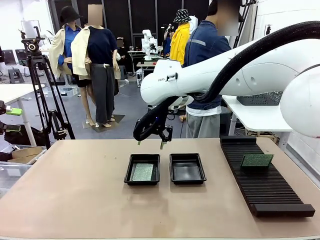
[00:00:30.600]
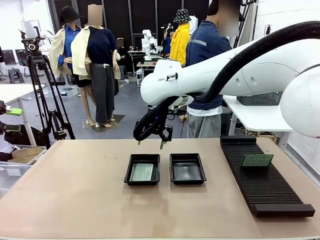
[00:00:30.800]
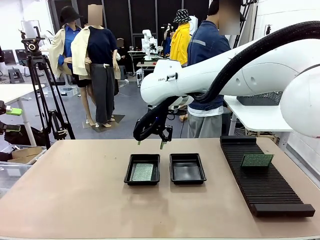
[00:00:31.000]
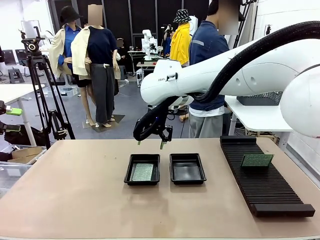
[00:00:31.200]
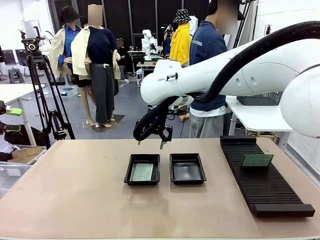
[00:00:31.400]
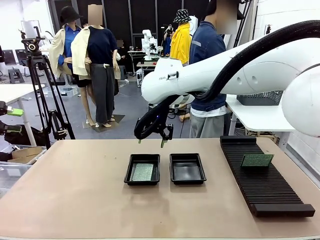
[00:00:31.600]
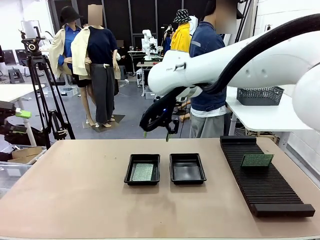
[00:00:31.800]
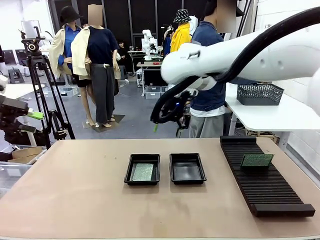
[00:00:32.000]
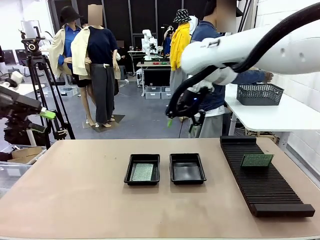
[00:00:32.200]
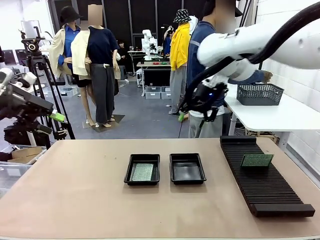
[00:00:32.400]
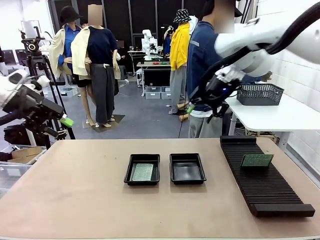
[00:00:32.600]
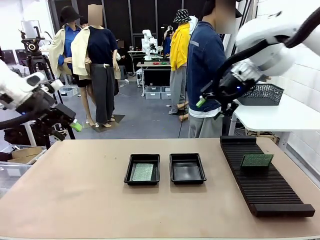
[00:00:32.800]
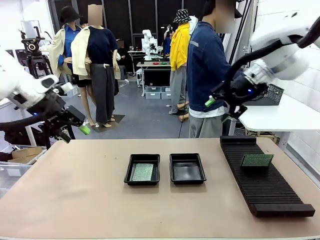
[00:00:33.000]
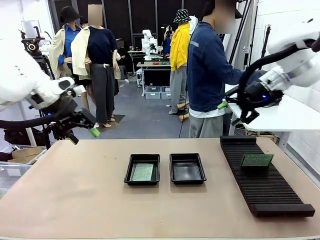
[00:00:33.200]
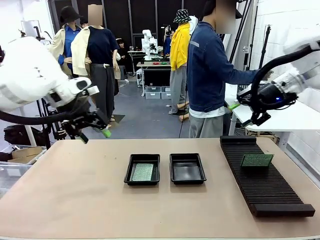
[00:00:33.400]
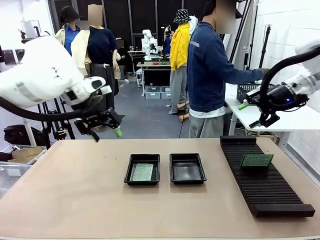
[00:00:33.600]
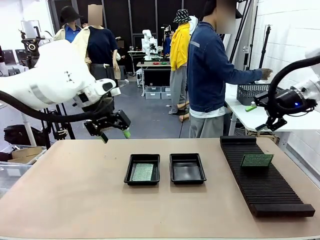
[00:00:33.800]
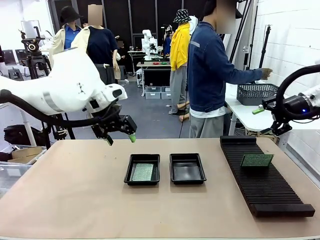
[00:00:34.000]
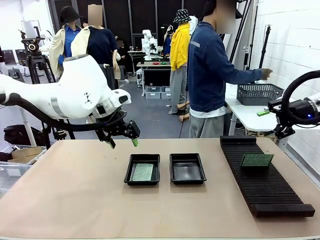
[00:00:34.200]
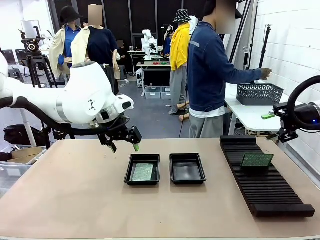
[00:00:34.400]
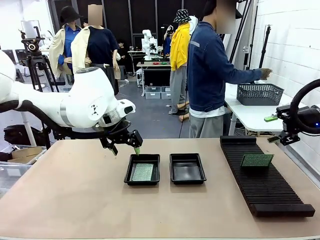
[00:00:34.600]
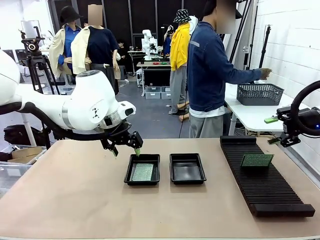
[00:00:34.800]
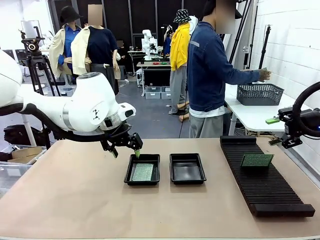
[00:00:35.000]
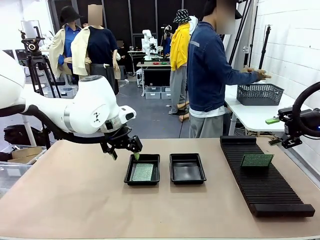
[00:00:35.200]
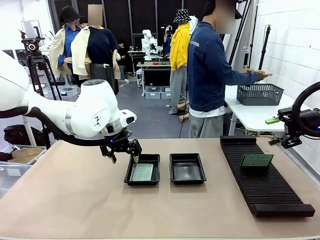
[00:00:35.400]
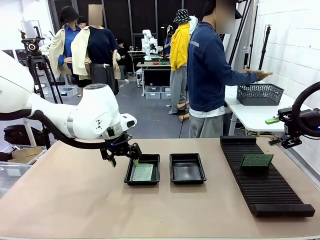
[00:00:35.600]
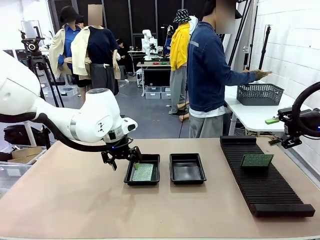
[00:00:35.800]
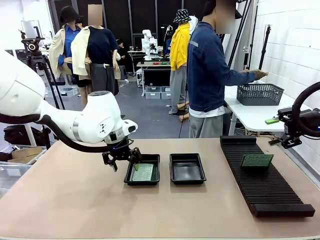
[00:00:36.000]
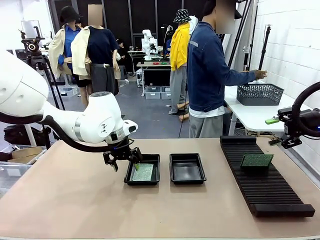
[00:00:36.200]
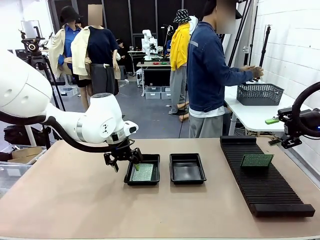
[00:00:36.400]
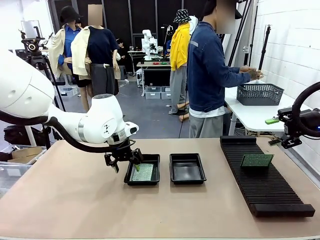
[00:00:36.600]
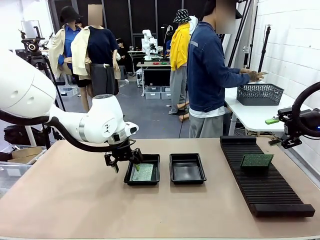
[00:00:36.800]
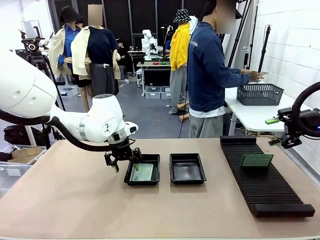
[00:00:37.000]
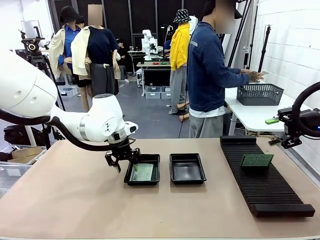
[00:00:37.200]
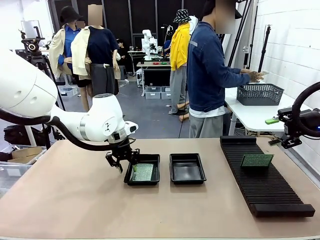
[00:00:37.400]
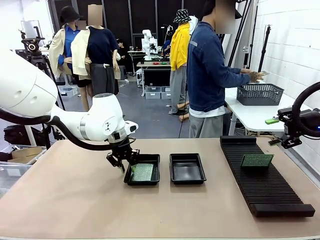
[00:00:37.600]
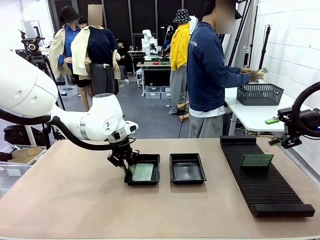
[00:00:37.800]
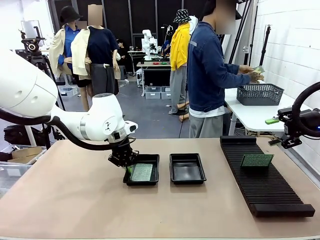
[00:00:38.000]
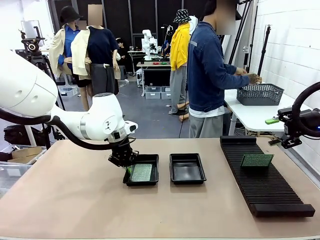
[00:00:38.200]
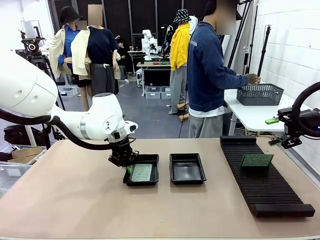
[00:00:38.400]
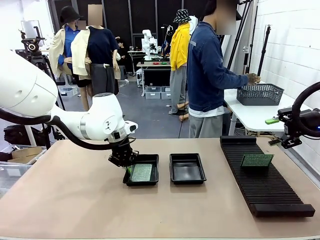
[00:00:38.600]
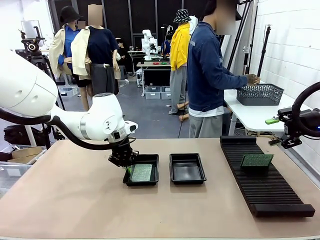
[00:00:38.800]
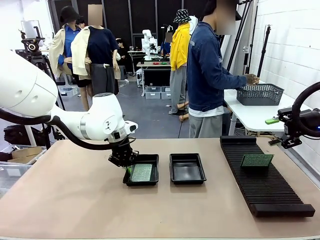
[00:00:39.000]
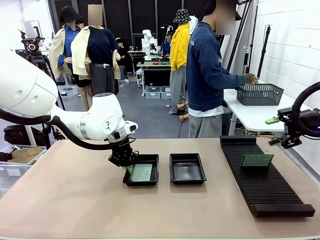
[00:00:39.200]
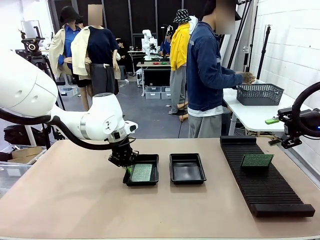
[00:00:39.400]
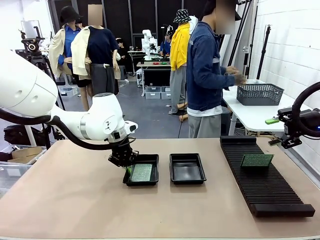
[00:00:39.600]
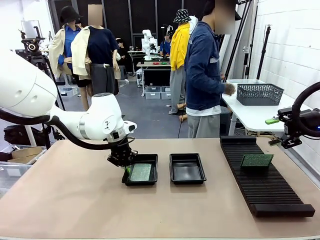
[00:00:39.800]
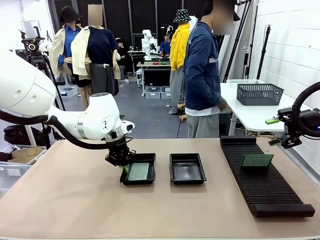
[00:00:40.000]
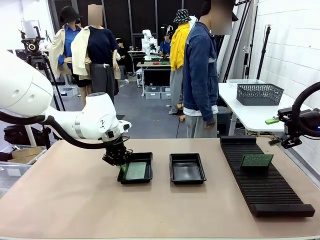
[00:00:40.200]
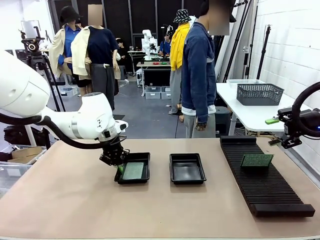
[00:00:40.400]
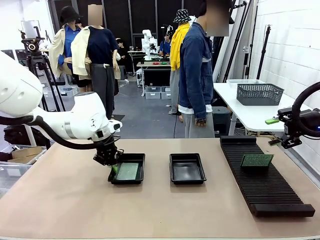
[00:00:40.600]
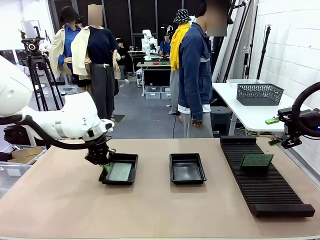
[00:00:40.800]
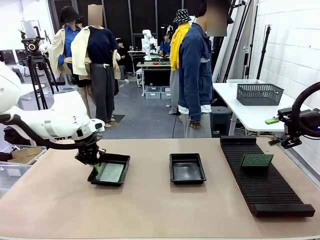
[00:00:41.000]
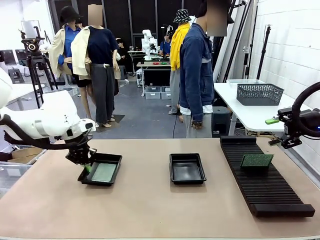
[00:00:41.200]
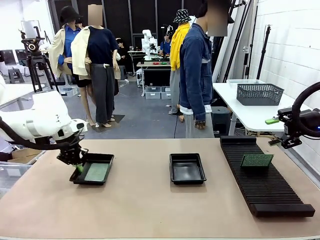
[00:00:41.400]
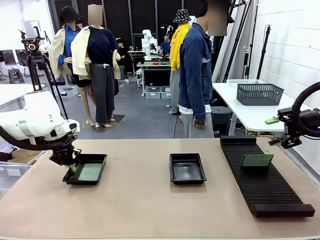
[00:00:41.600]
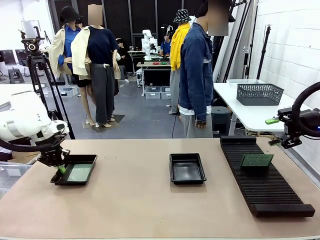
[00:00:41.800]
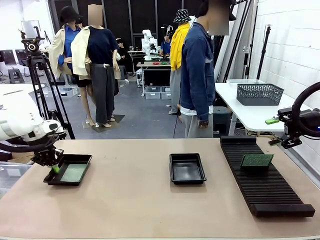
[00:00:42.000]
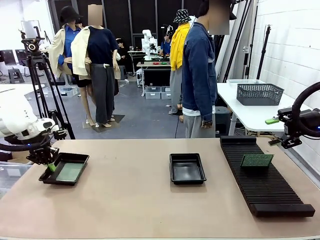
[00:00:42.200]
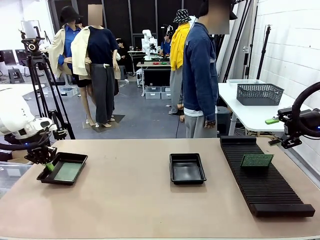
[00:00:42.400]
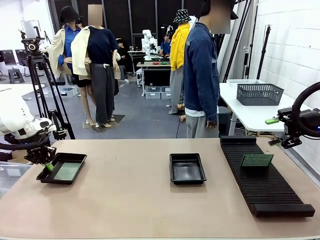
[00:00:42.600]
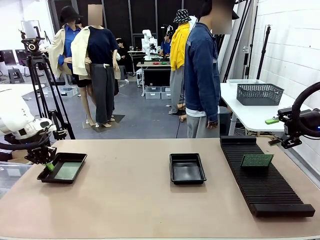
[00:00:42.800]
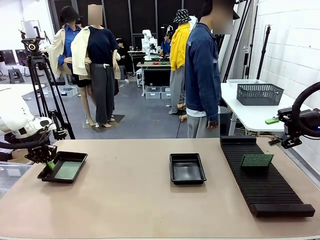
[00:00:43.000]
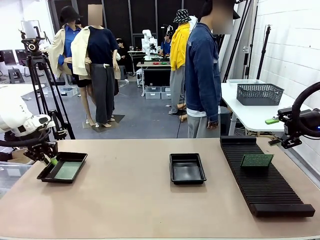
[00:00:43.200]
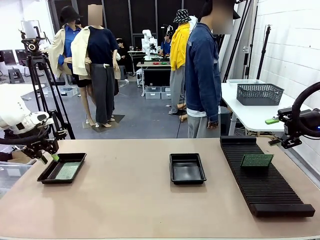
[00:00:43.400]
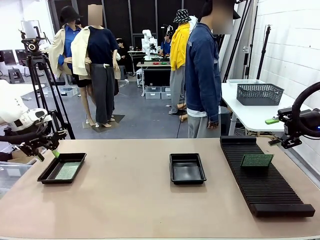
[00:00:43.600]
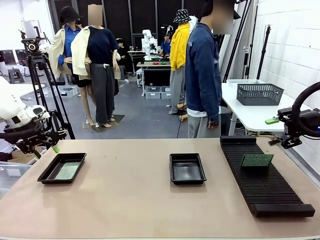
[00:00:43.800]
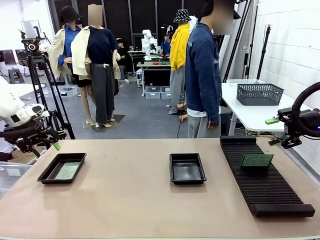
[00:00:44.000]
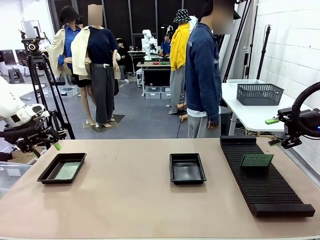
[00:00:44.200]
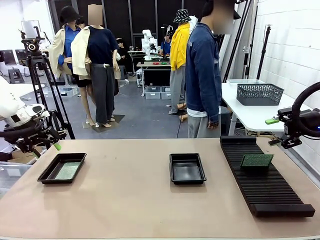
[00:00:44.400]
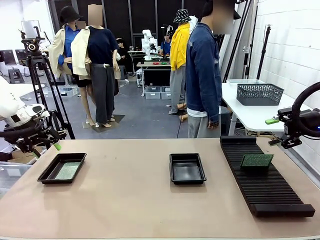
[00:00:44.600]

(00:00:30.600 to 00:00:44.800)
Task: Inspect and transfer BCBs to ESD trays.
Robot: Pick up the ESD tray and place it on the left side of the table.
